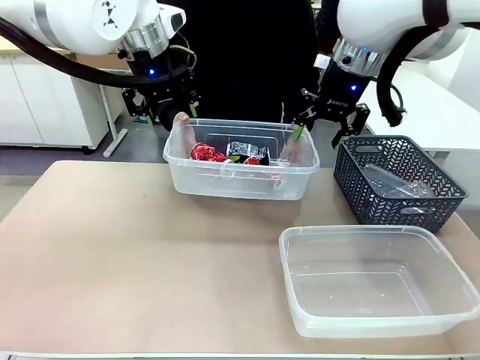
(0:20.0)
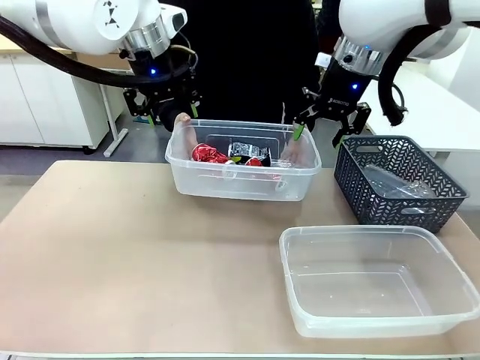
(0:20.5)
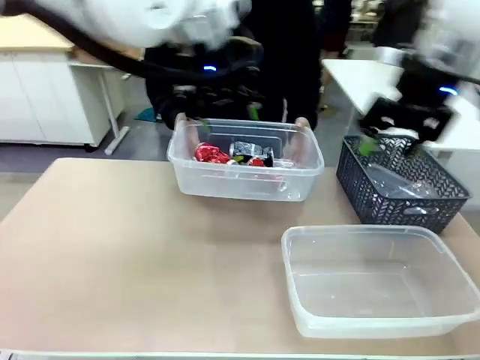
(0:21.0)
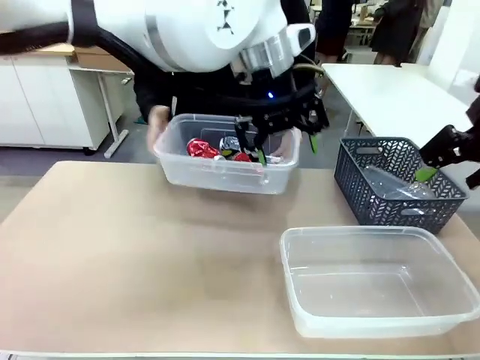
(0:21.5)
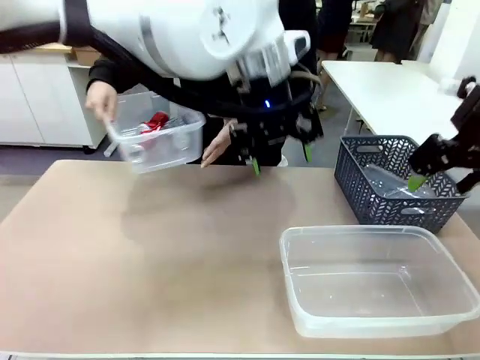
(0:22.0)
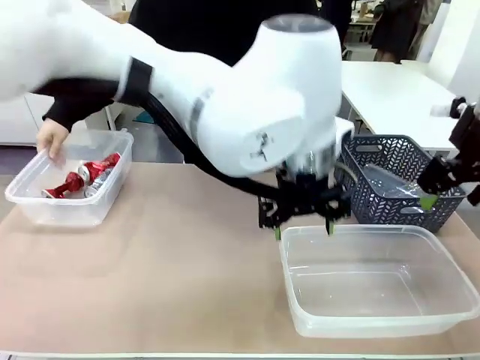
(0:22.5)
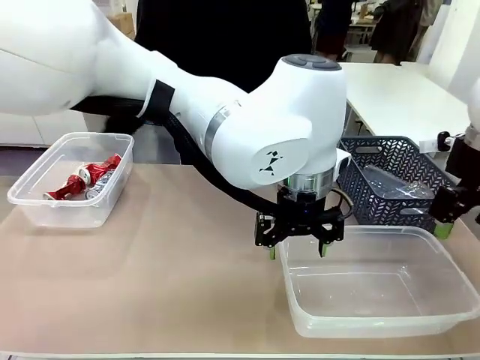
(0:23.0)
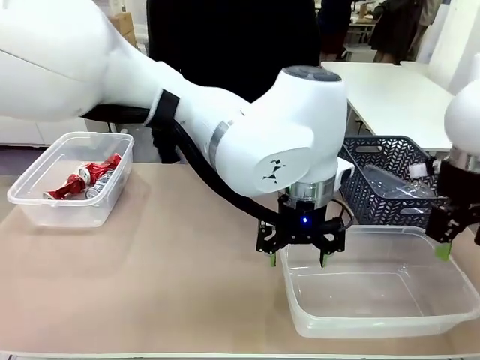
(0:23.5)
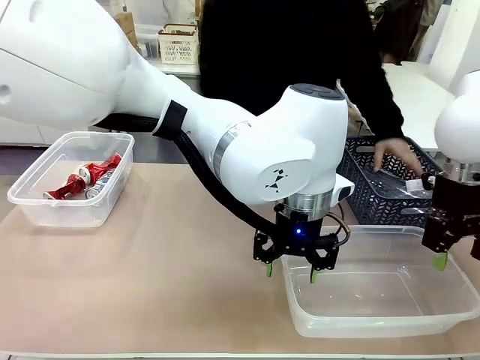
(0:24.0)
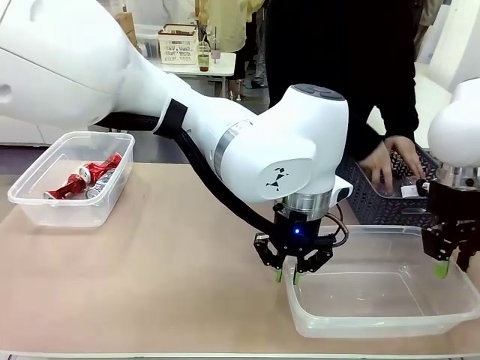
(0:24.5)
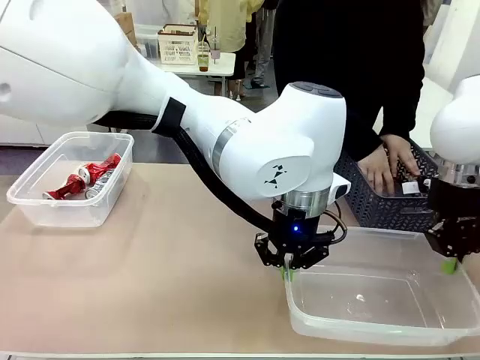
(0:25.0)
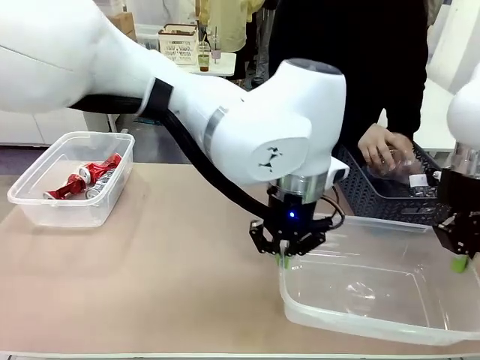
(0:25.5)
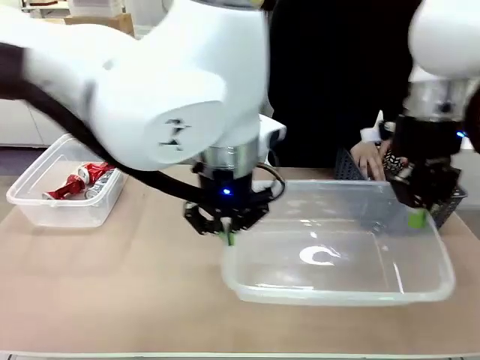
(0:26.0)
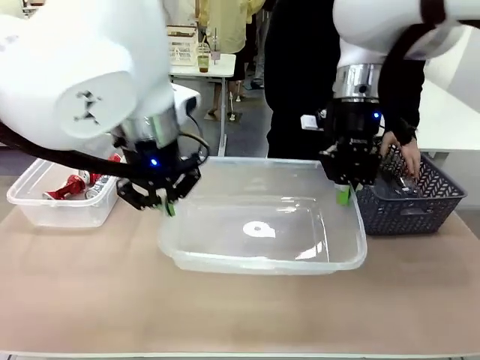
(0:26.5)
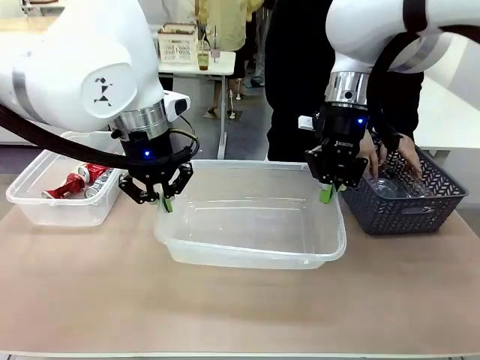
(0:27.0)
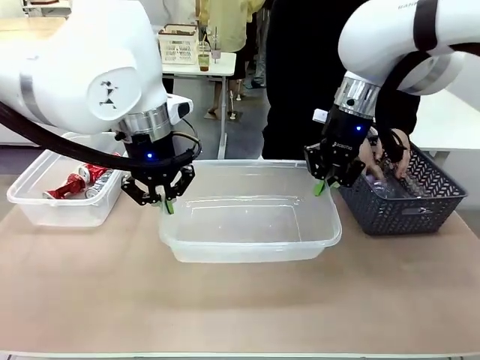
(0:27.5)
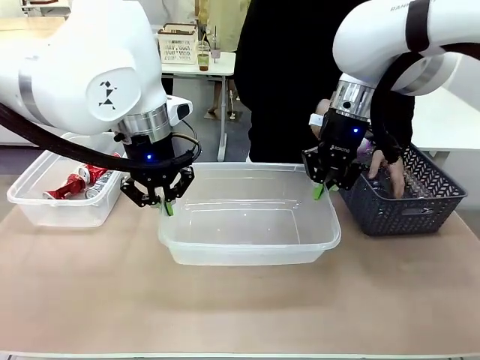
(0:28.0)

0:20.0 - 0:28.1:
Robot: Pick up the Organizing box on the right side of the table and lift it.
Person: Place it at the edge of the bottom right area of the robot table. Pick up plastic waste one by one and place it into the organizing box lifted by the robot.

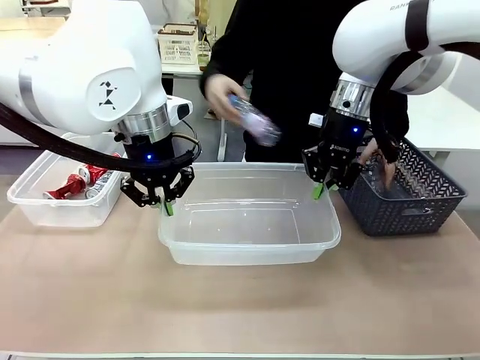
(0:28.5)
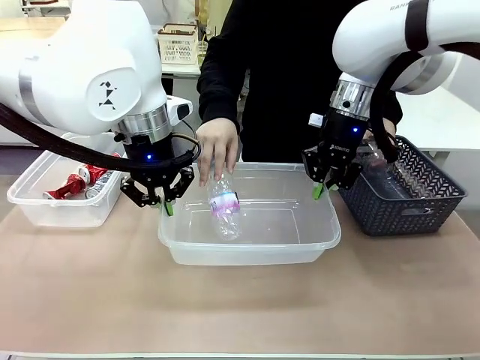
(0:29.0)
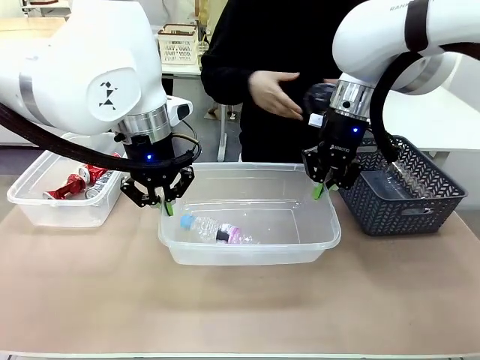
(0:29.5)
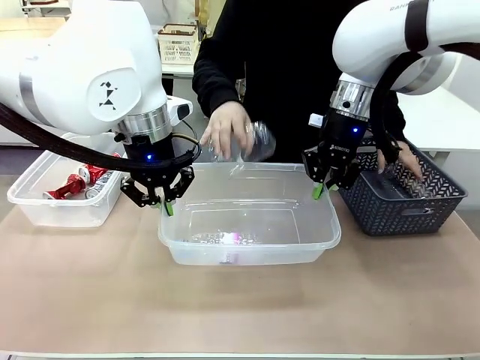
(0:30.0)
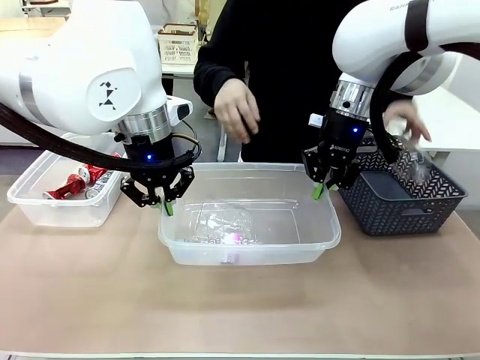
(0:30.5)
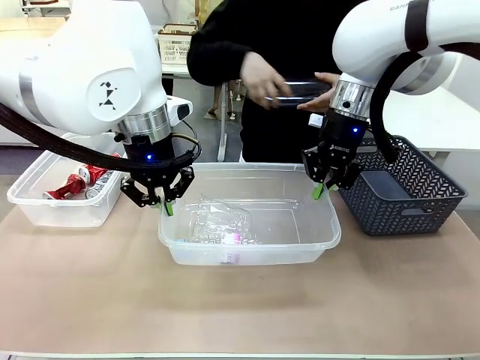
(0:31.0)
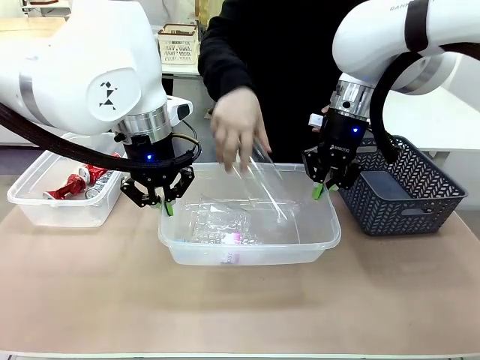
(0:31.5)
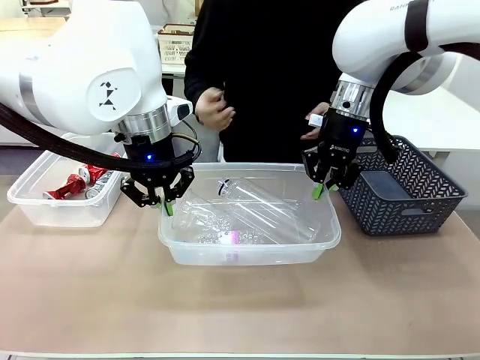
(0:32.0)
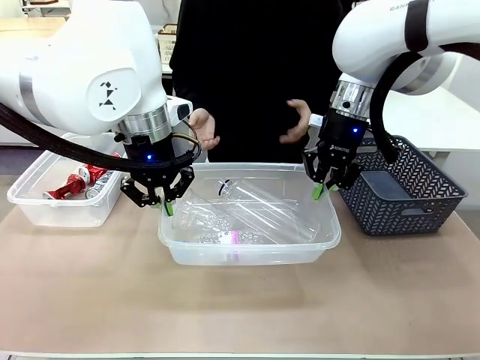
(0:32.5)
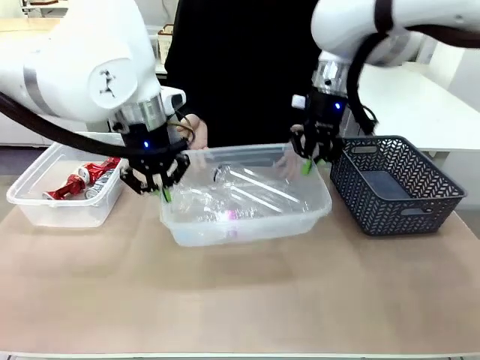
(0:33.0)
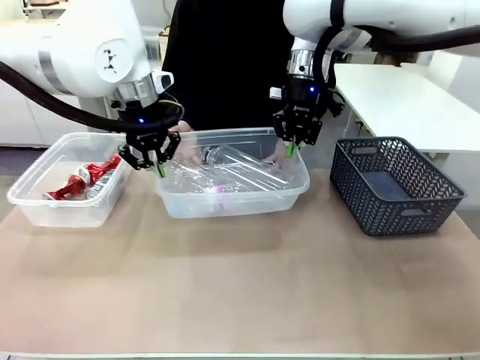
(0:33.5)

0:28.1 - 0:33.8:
Robot: Offer the picked Organizing box to the human.

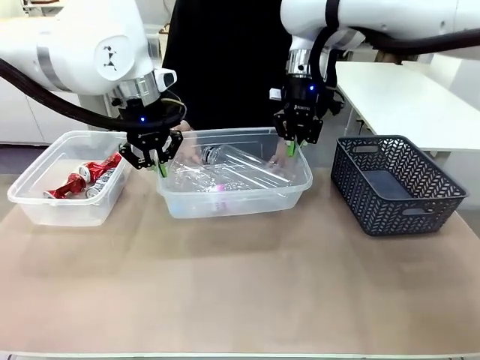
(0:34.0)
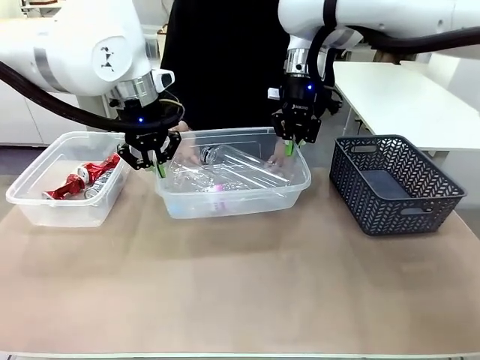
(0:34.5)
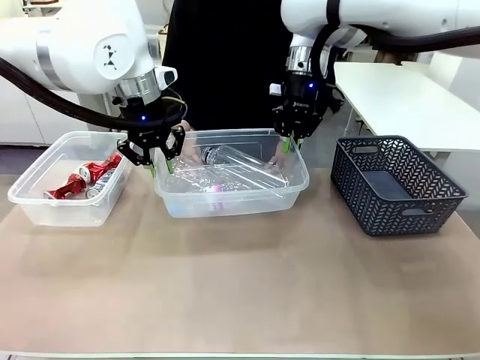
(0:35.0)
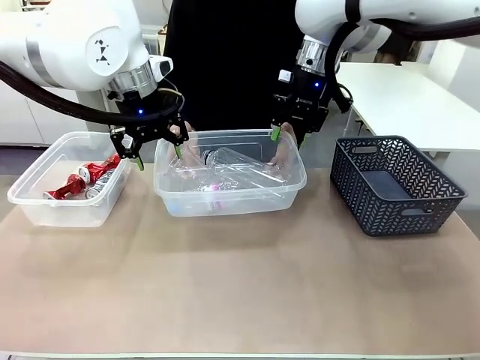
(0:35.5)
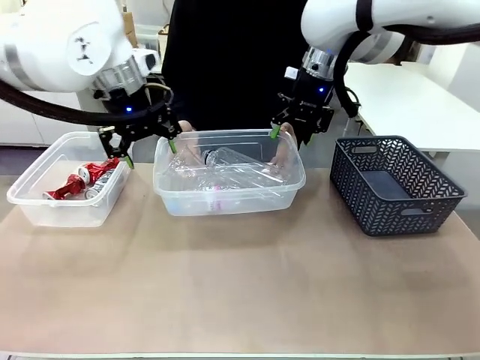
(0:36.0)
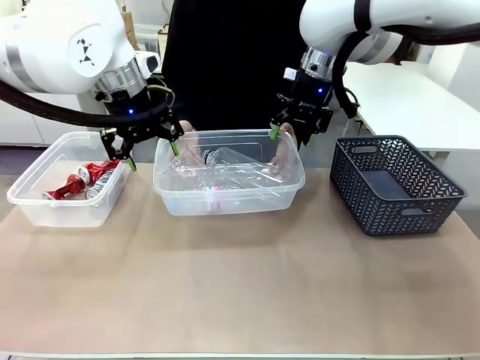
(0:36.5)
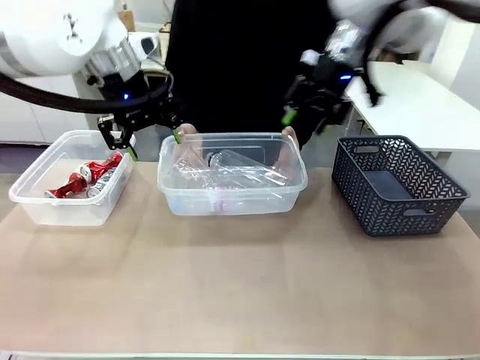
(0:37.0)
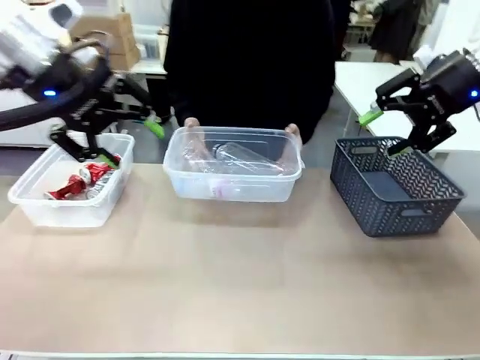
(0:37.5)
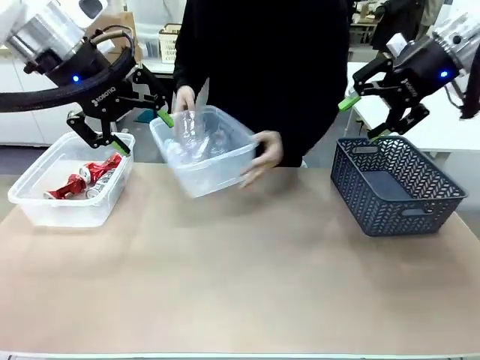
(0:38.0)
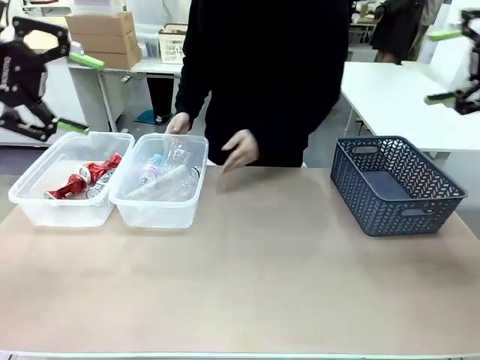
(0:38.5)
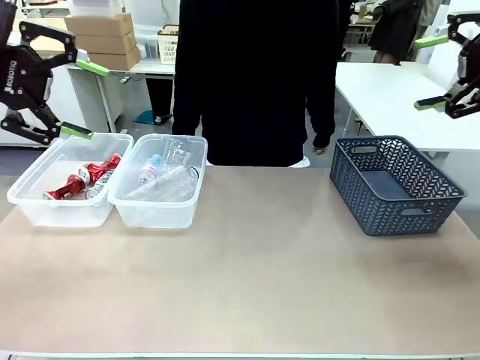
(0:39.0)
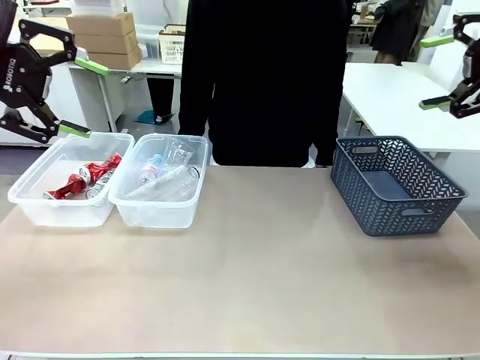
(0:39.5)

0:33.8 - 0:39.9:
Robot: Release the Organizing box you were holding.
Person: Pick up the organizing box extended by the robot. Place the organizing box to the left of the sorting box containing the can waste.

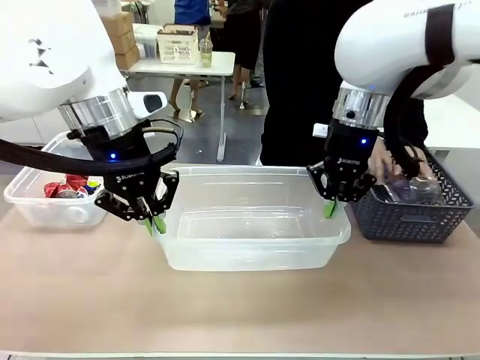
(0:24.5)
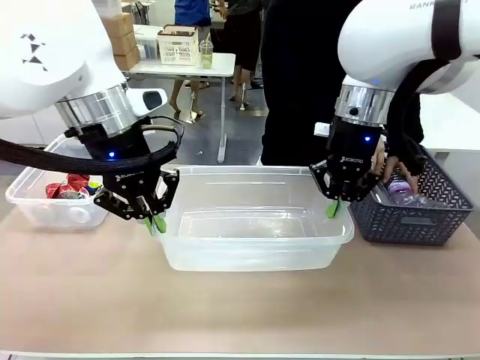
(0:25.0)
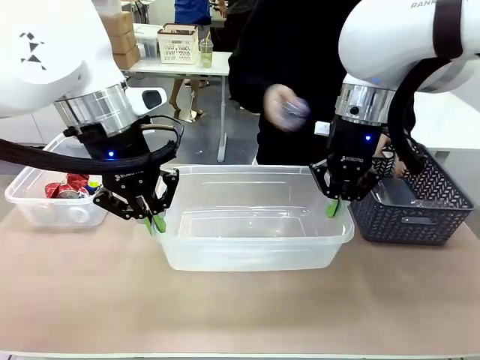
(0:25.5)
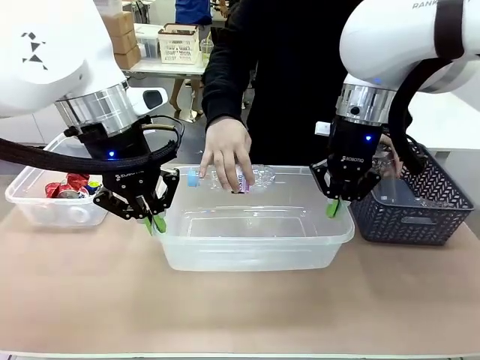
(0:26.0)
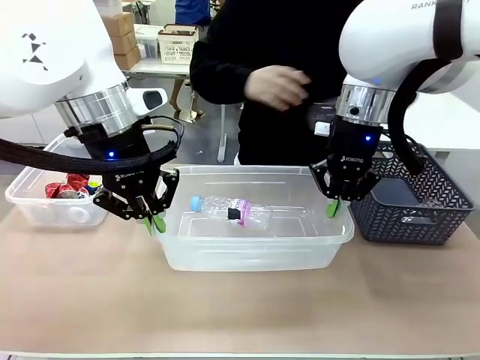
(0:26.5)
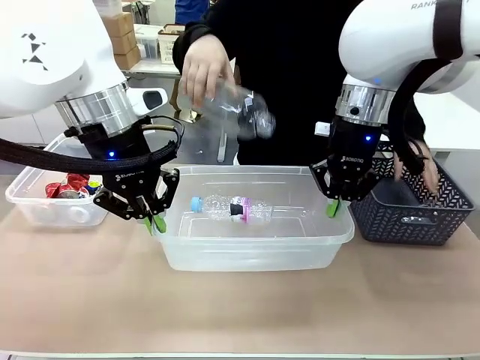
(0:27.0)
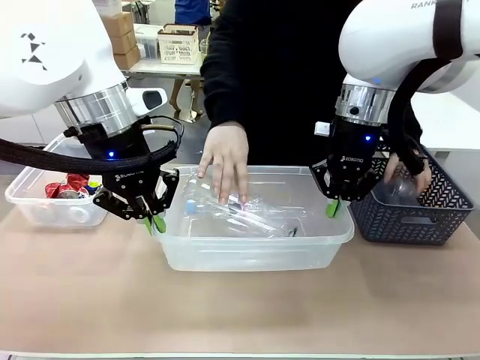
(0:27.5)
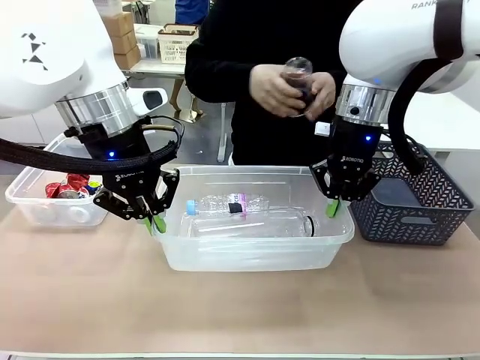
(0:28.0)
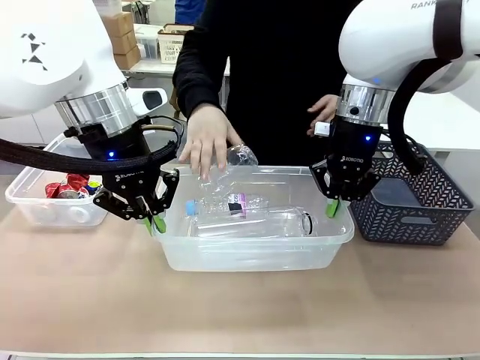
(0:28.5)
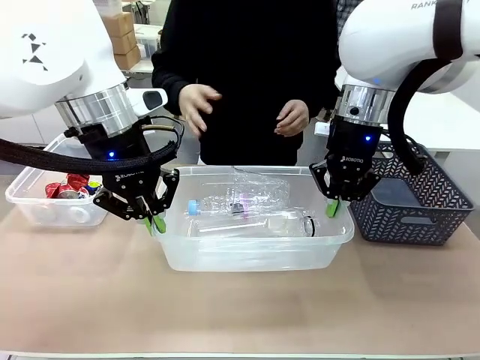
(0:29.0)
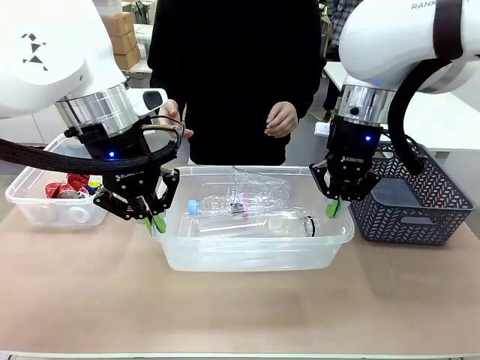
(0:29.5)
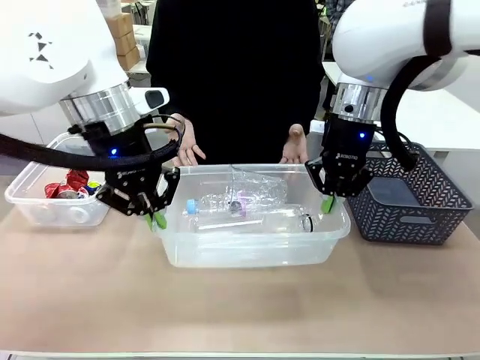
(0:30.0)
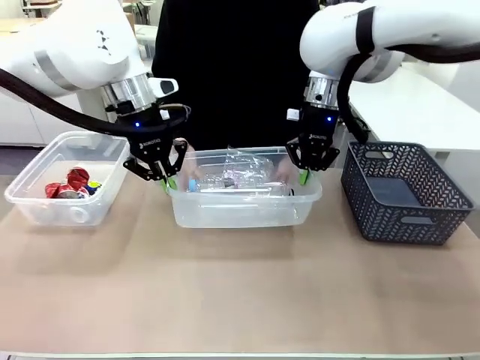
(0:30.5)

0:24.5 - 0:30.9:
Robot: Offer the picked Organizing box to the human.
Person: Pick up plastic waste one by one and place it into the organizing box lifted by the robot.
